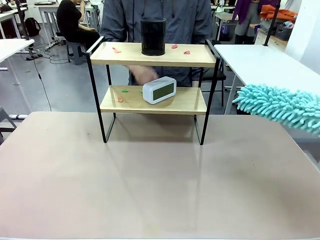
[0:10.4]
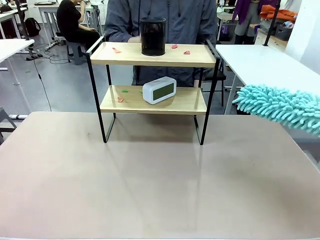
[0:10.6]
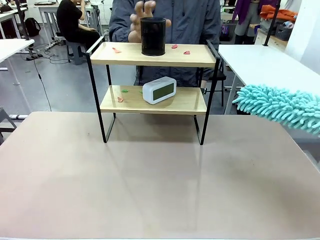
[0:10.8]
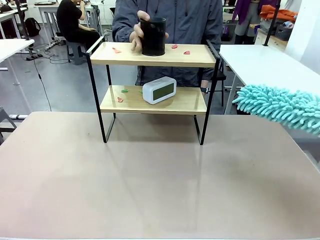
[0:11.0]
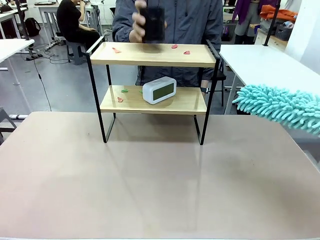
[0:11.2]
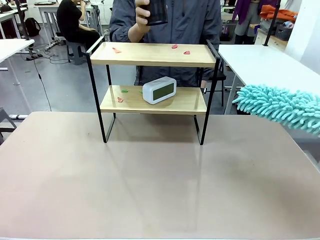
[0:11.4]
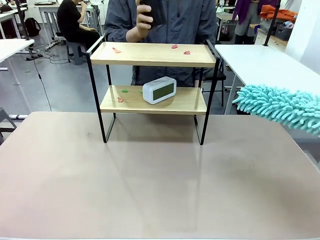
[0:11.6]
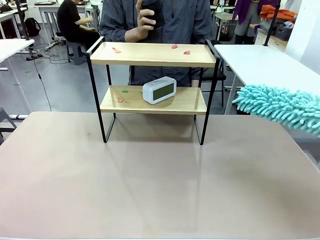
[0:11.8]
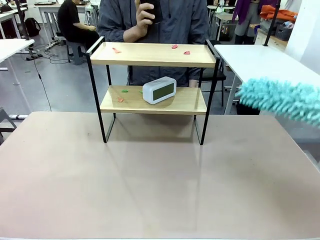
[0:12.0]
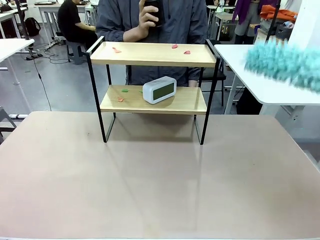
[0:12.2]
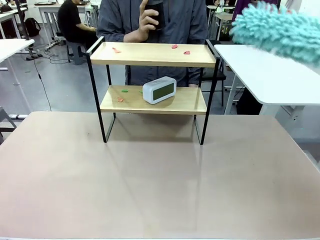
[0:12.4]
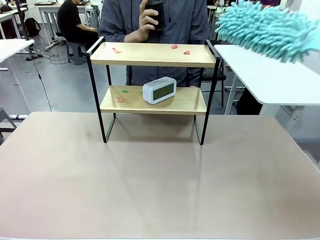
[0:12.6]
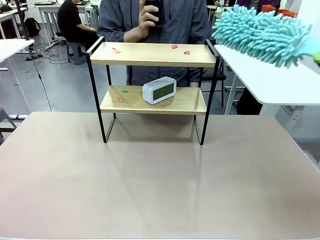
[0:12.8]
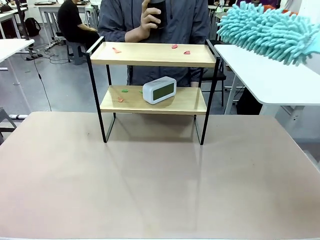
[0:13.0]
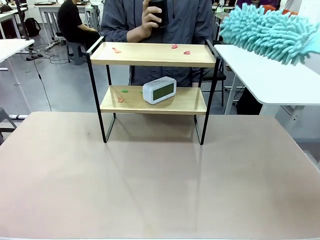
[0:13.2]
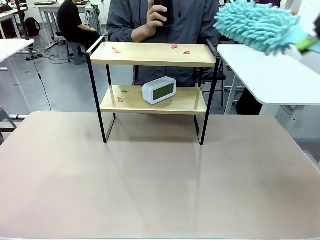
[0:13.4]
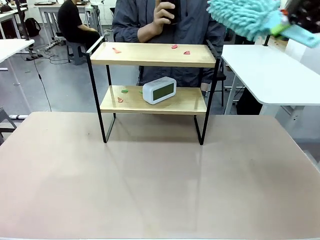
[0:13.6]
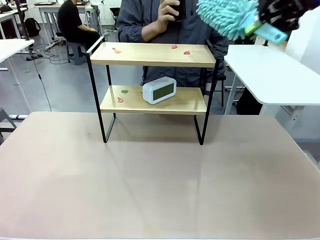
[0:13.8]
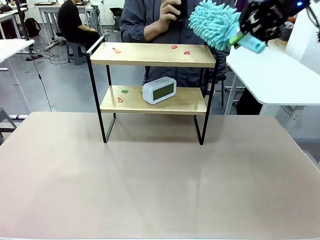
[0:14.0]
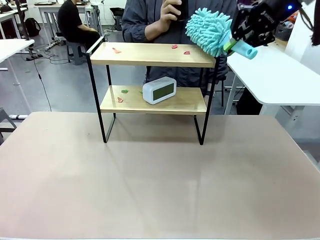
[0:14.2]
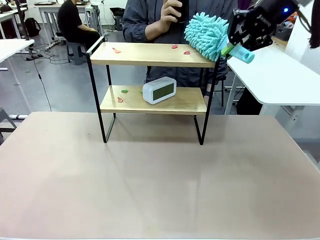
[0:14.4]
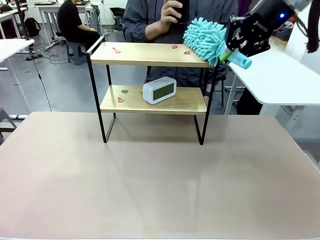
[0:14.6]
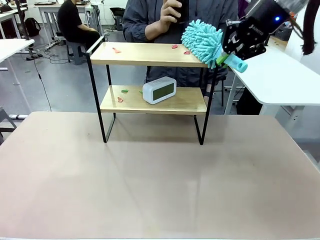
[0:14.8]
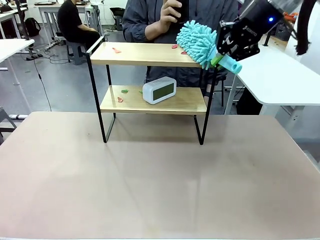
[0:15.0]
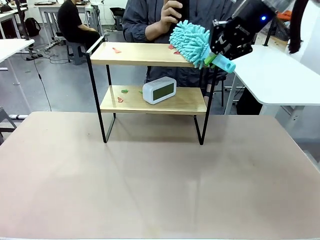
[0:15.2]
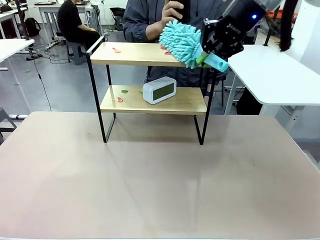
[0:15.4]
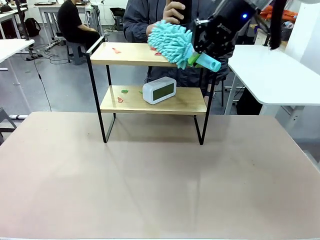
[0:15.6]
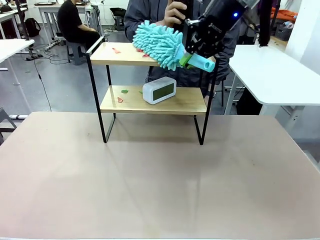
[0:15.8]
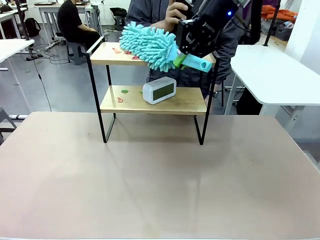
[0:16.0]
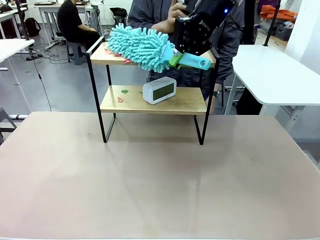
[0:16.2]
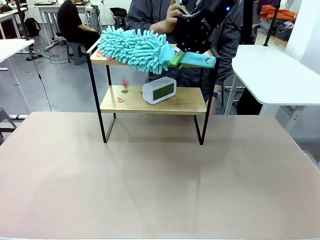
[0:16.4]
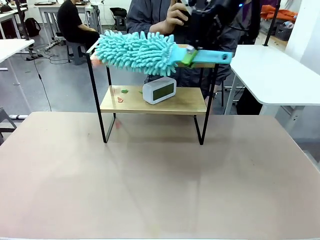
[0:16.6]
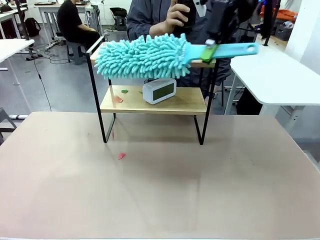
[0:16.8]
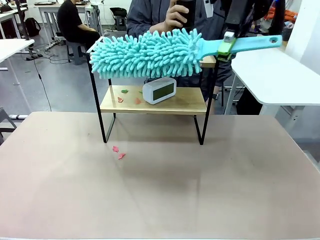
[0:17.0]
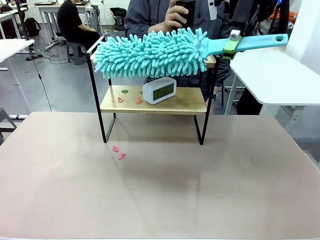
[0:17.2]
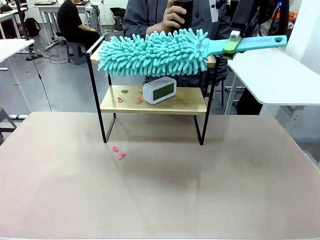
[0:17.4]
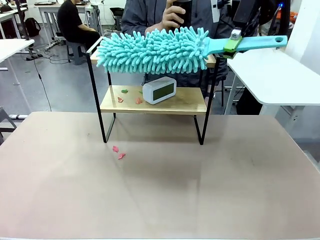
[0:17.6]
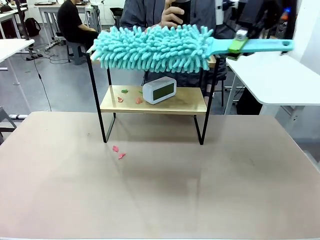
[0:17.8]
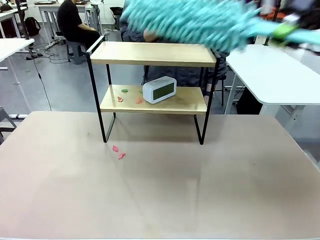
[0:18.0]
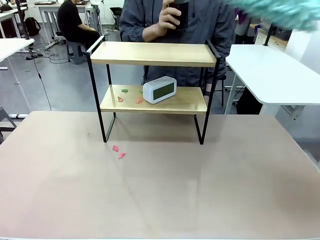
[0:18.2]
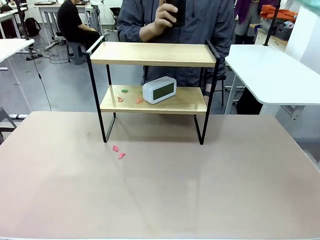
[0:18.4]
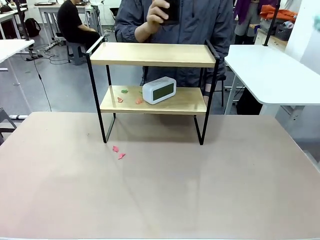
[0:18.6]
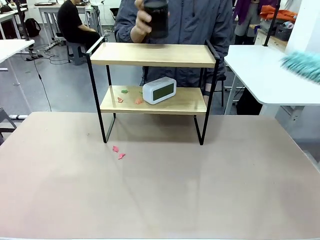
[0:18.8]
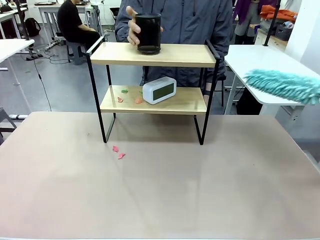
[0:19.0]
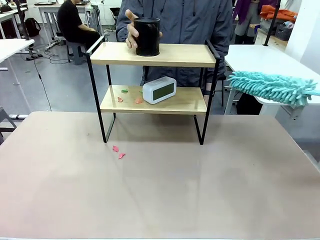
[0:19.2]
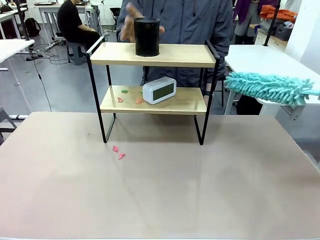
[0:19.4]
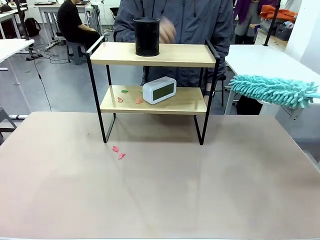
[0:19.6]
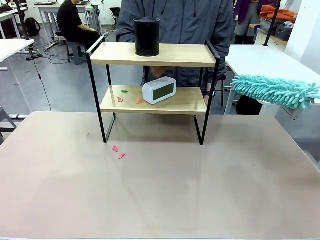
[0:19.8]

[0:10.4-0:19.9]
Task: Clean the shelf.
Robot: Clean the specific tier of the Shelf with the Duster once objects are removed.
Person: Lift the objects on a randomly selected tier of the Shelf. Once the robot finishes cleaning, lift the objects on the remaining tiers of the Shelf.

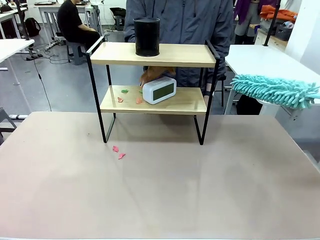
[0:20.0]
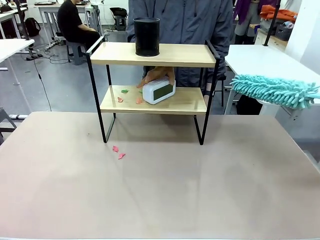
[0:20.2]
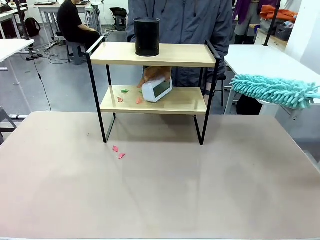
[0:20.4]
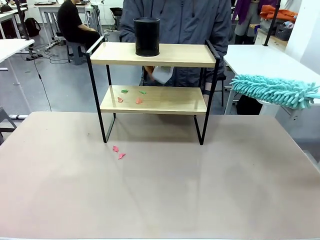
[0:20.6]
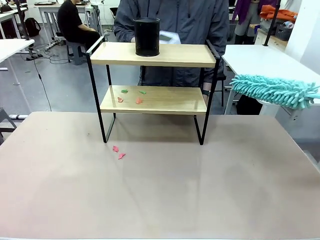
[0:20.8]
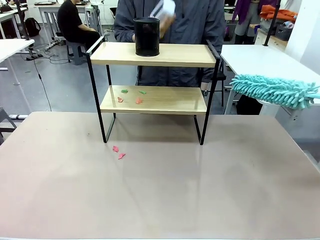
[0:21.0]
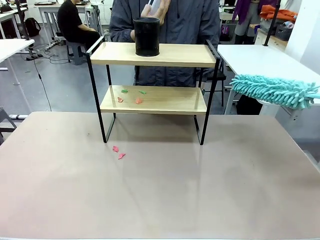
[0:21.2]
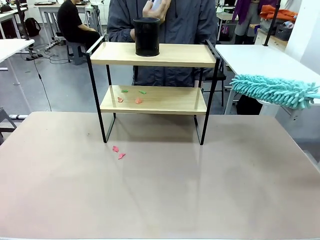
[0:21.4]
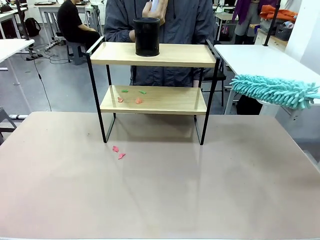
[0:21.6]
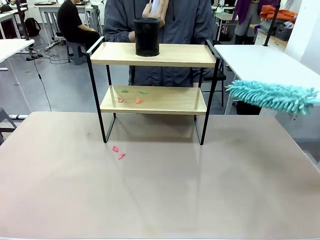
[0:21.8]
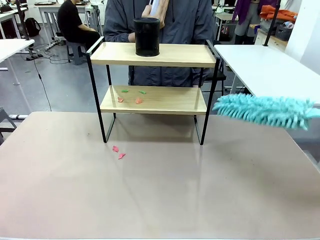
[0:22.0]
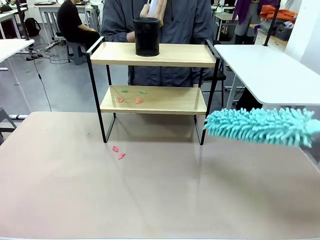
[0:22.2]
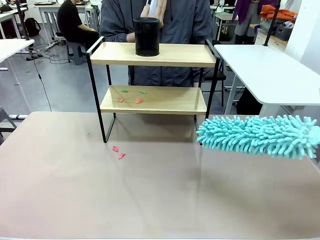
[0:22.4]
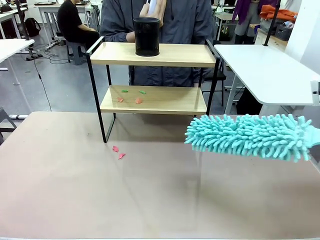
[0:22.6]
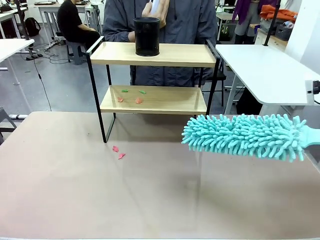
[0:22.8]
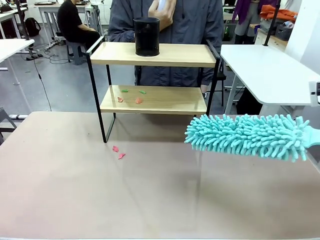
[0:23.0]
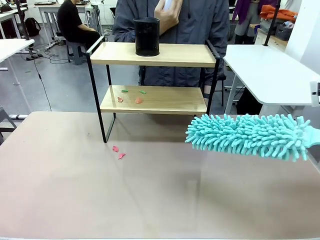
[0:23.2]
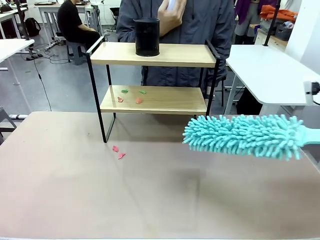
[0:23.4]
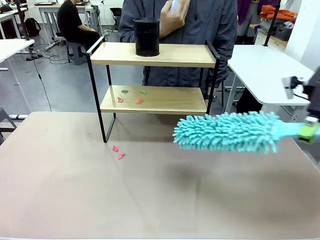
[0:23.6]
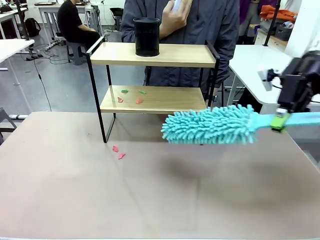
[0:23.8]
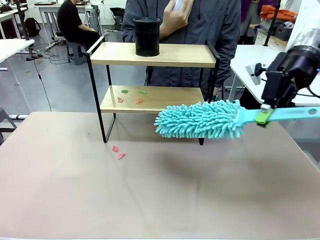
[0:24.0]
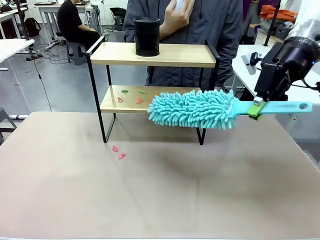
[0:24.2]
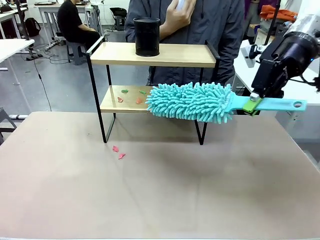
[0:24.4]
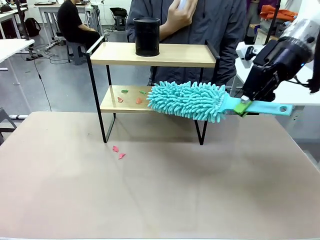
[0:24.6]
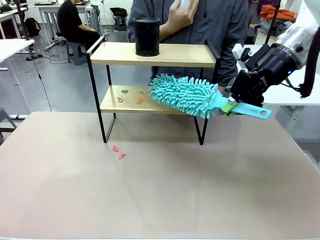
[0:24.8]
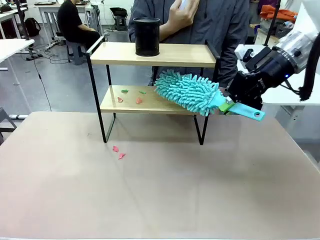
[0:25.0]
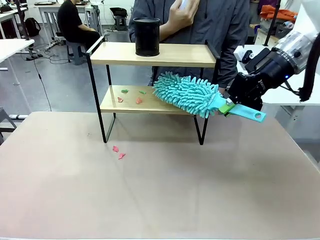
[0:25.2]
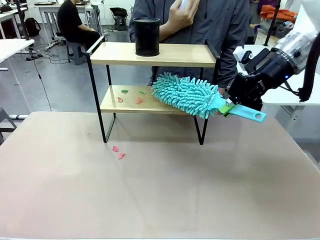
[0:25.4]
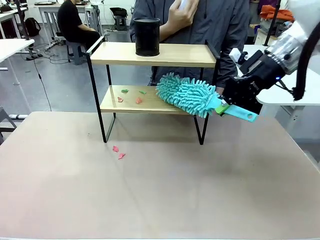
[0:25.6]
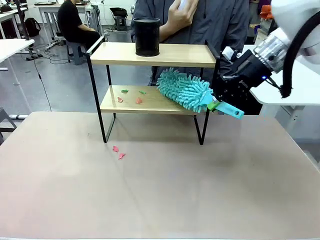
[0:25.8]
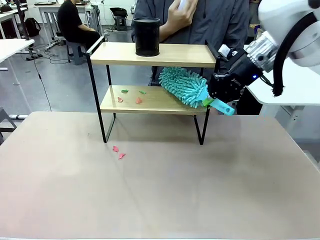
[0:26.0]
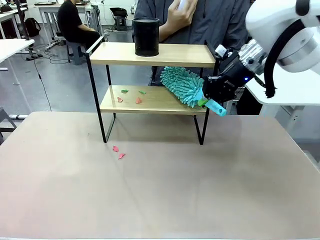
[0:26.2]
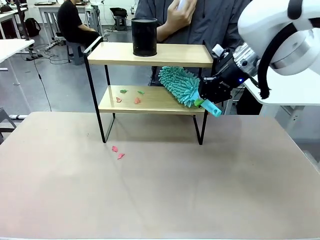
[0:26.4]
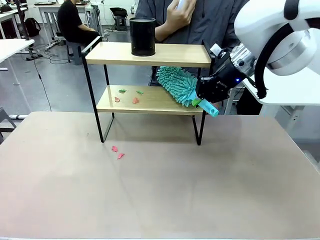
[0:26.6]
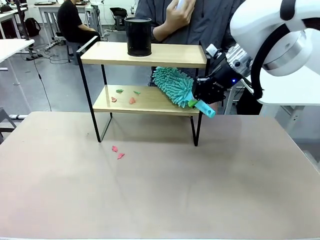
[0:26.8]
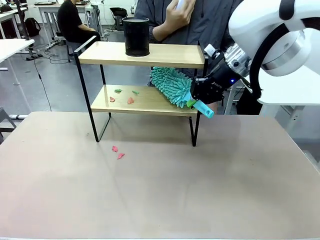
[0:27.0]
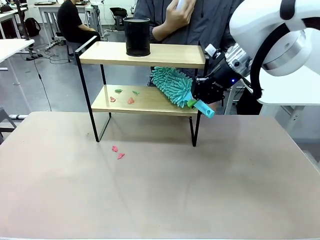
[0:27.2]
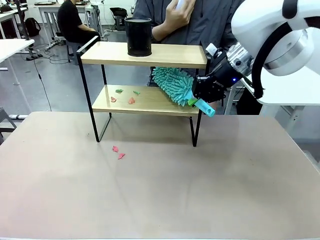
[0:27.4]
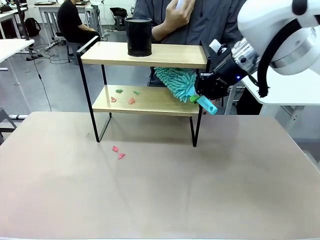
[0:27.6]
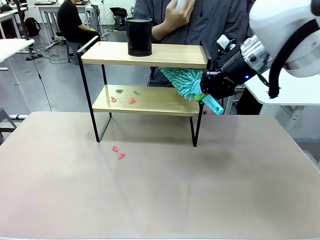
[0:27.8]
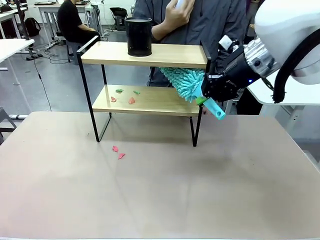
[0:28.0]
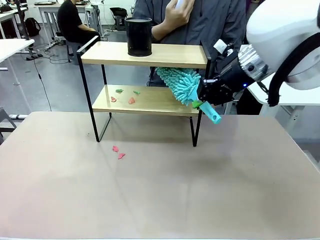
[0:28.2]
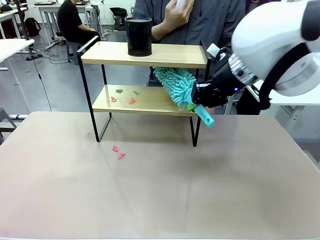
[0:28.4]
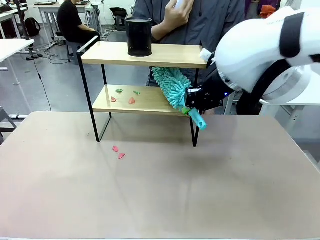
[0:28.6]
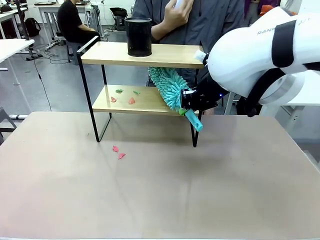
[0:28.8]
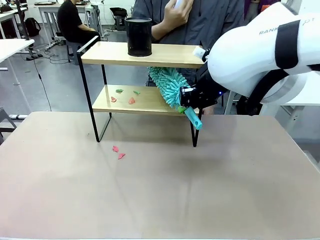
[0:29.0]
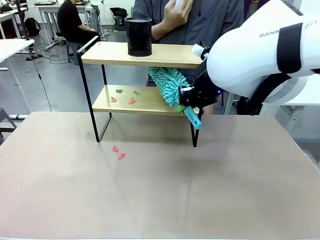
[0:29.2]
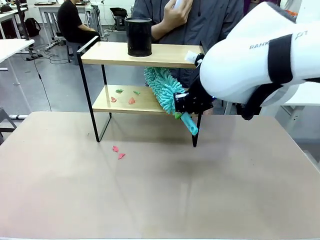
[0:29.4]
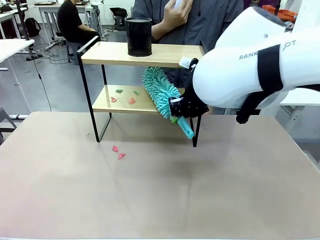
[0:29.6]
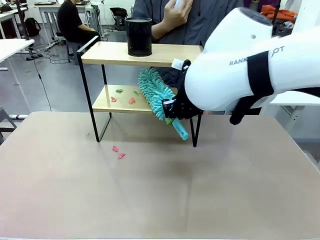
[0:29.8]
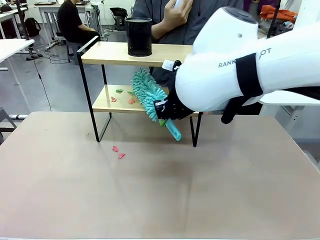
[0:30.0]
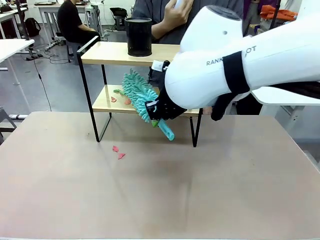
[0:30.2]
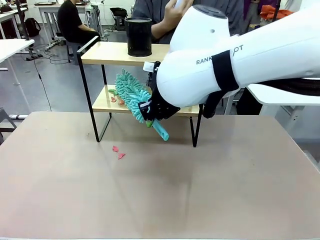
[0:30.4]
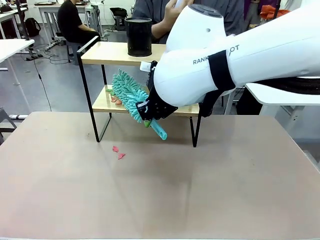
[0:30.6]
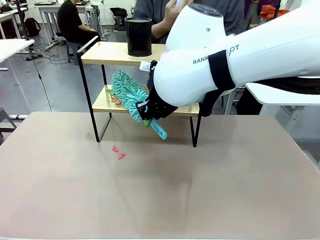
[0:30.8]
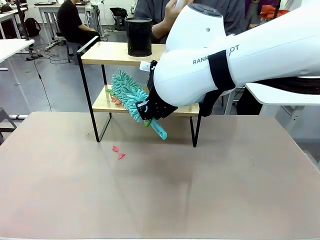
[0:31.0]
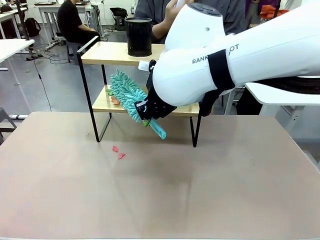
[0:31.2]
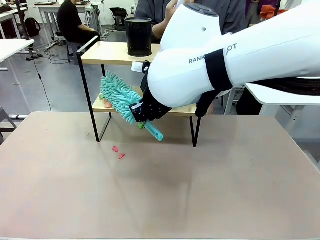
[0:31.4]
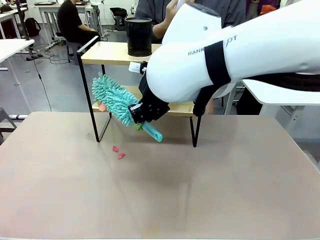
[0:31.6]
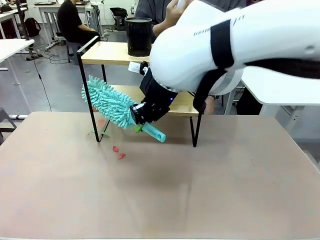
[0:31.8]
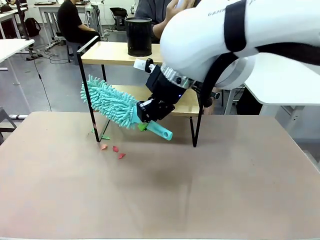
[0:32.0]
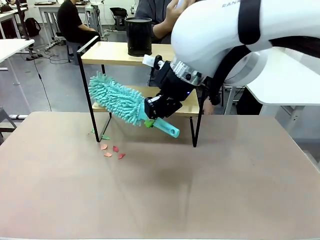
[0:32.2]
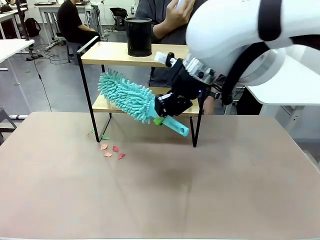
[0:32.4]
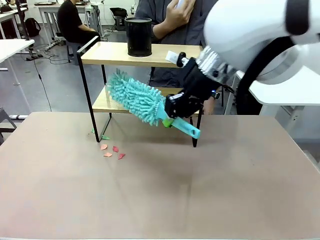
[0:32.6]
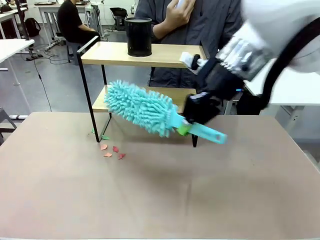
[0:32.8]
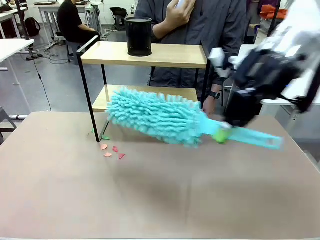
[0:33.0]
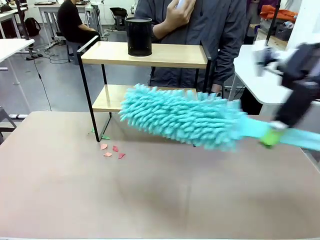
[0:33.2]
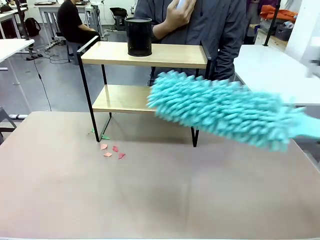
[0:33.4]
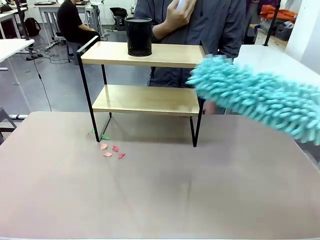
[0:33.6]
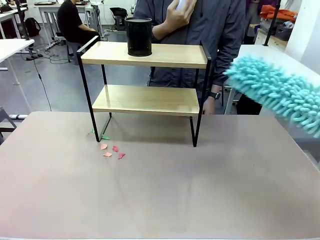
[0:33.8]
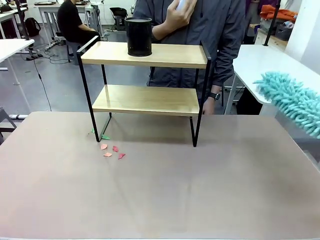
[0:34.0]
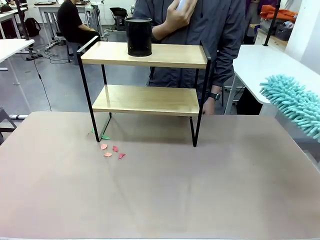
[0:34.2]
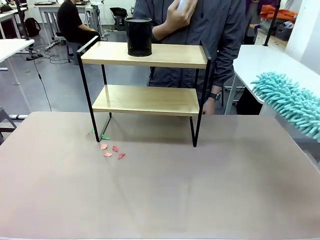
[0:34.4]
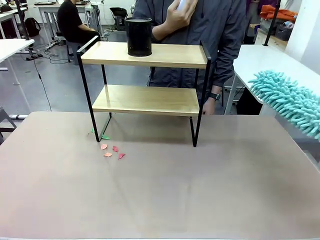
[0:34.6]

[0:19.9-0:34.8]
Robot: Clean the remaining tier of the Shelf with the Duster once objects are removed.
Person: Receive the Duster from the robot.
